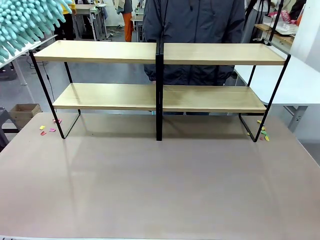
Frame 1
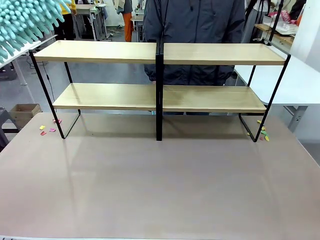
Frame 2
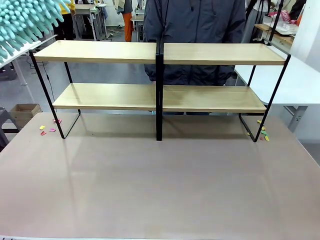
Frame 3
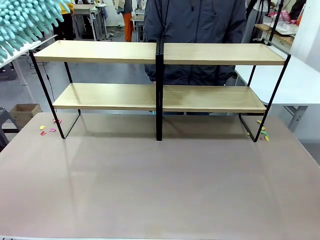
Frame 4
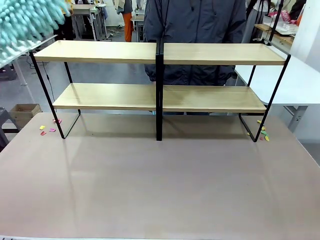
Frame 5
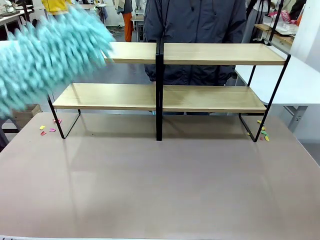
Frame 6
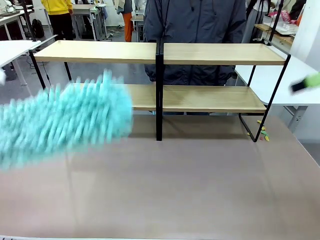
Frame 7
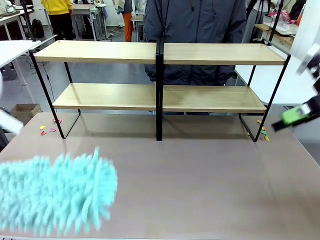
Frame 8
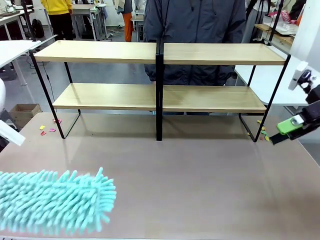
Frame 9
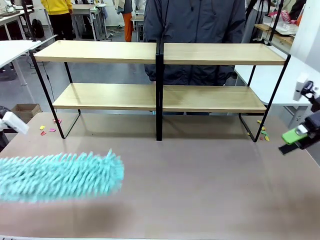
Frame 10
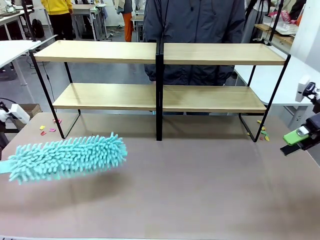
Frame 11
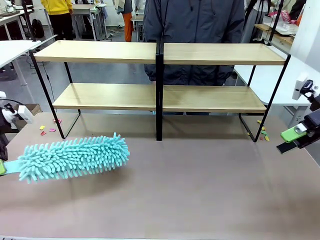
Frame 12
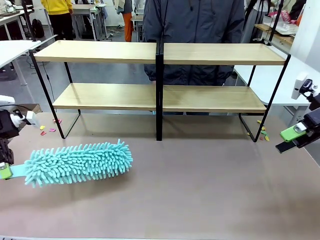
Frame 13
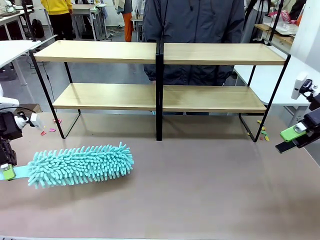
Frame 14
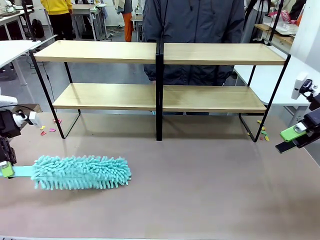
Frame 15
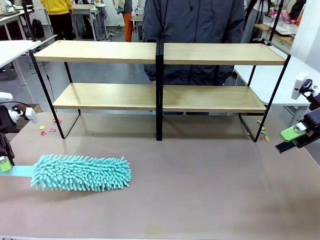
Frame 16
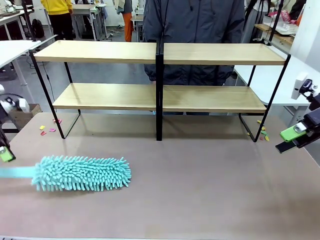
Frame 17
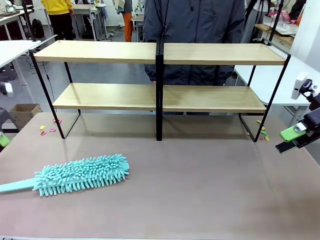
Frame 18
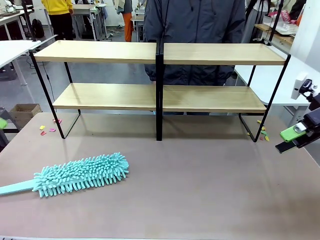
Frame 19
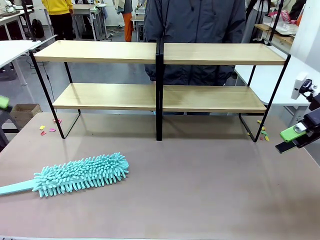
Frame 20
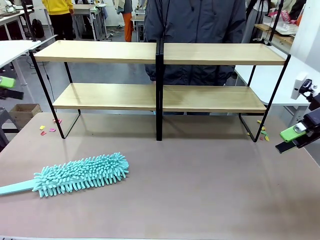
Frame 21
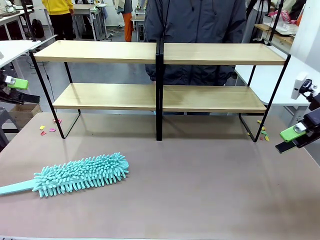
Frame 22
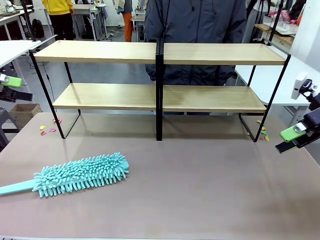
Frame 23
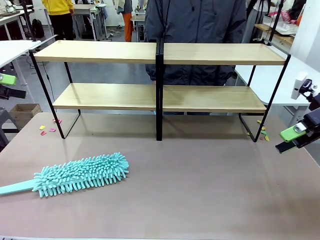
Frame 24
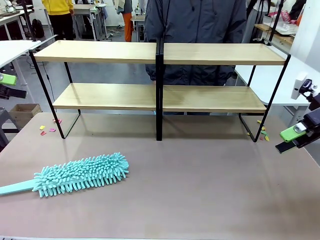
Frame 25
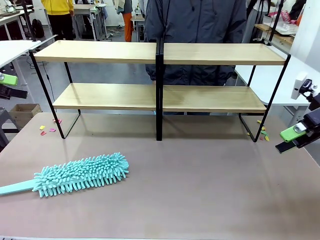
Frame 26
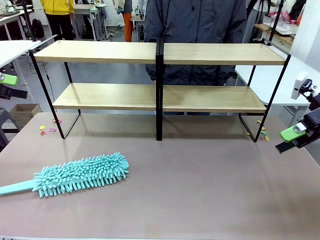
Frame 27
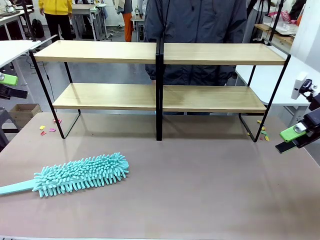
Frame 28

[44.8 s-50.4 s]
Task: Clean the shelves.
Robot: Place the Duster on the table.

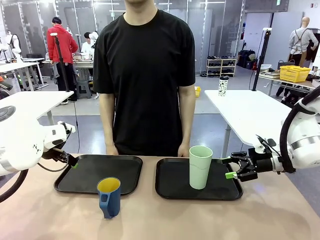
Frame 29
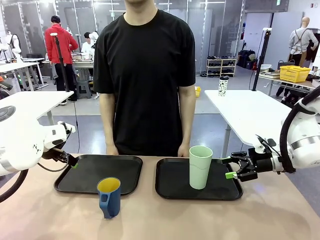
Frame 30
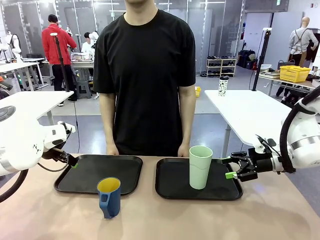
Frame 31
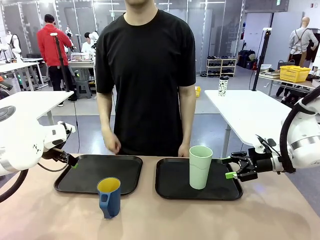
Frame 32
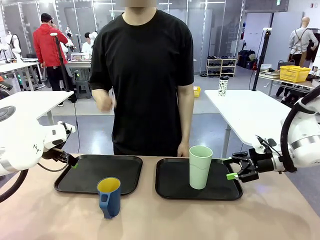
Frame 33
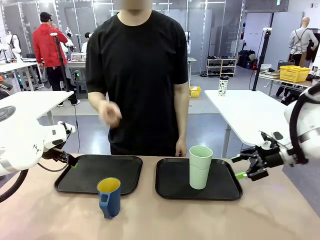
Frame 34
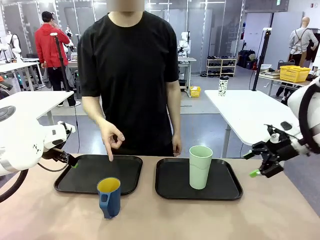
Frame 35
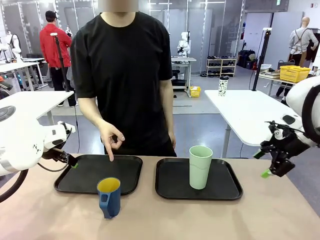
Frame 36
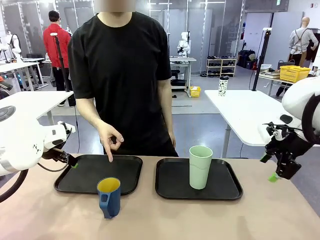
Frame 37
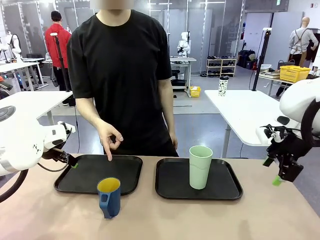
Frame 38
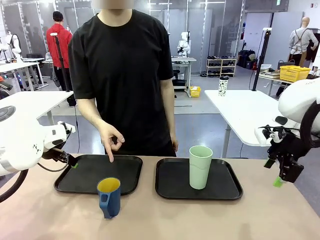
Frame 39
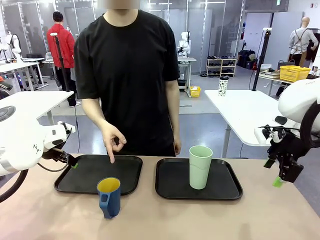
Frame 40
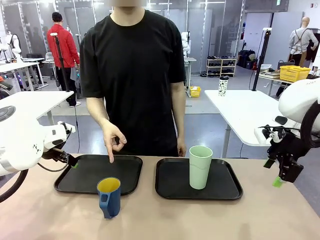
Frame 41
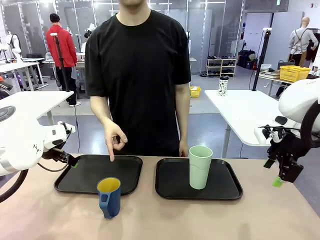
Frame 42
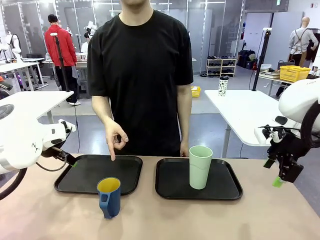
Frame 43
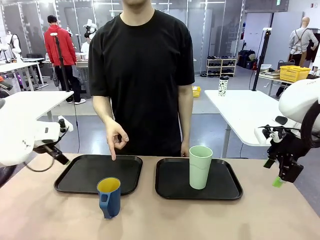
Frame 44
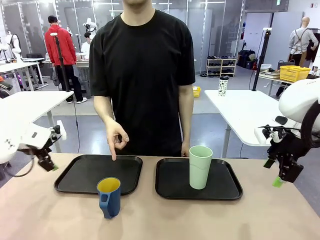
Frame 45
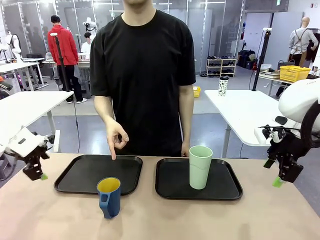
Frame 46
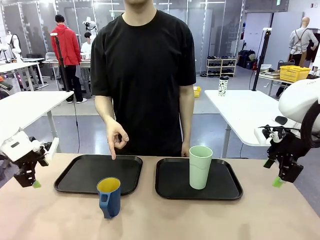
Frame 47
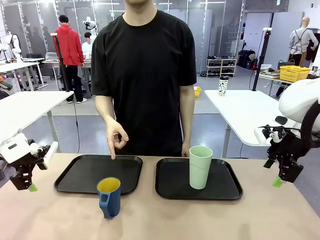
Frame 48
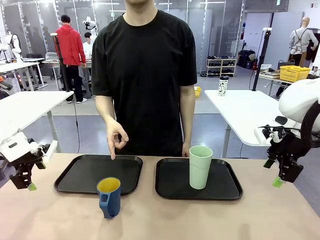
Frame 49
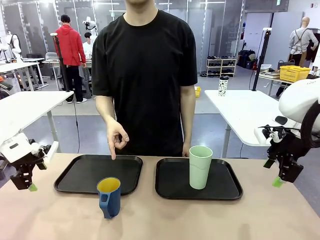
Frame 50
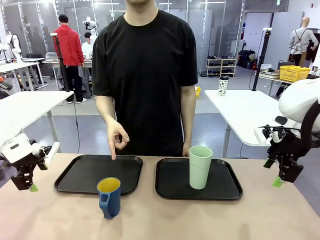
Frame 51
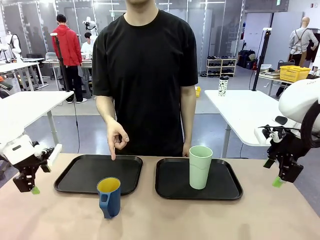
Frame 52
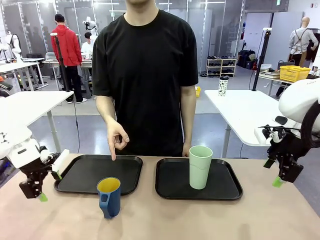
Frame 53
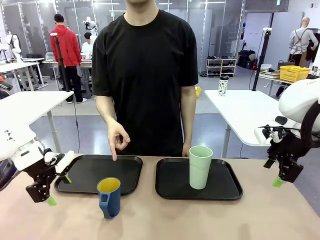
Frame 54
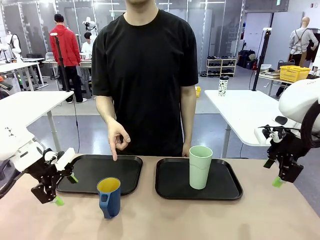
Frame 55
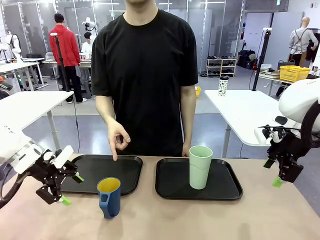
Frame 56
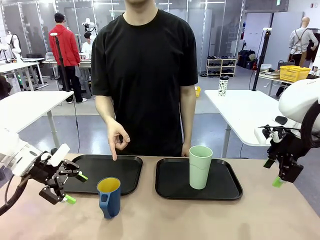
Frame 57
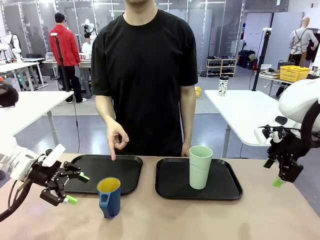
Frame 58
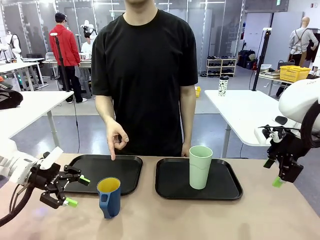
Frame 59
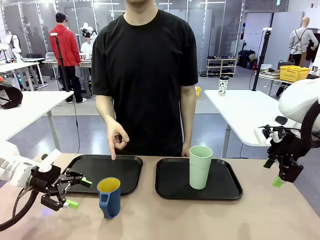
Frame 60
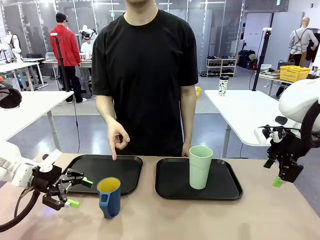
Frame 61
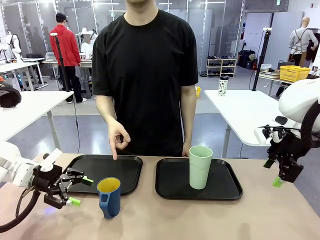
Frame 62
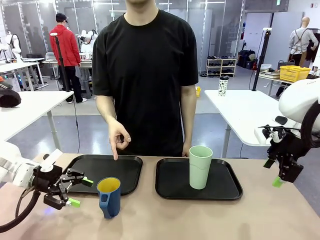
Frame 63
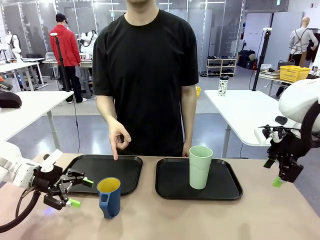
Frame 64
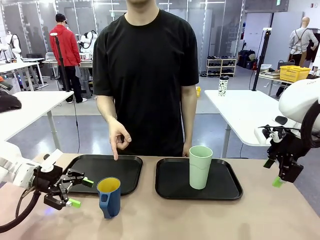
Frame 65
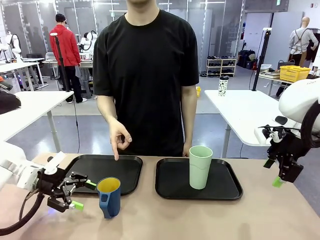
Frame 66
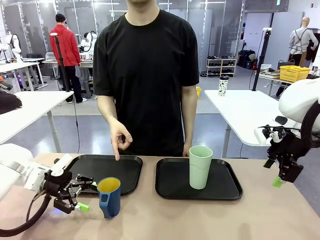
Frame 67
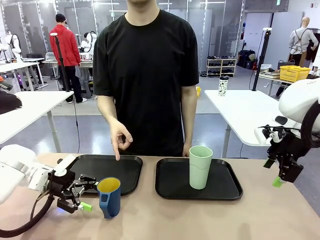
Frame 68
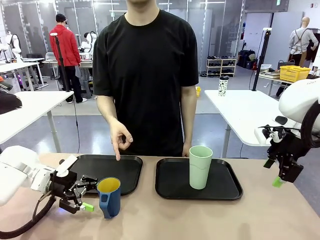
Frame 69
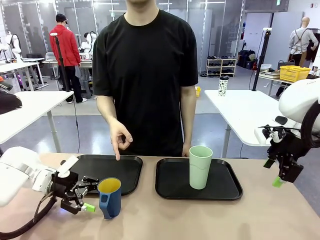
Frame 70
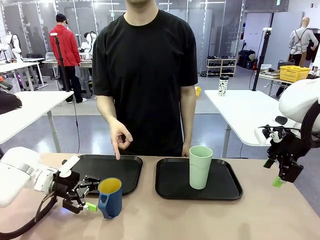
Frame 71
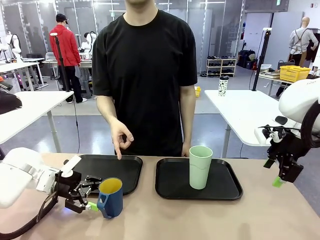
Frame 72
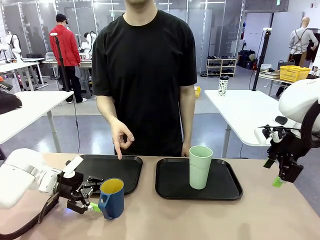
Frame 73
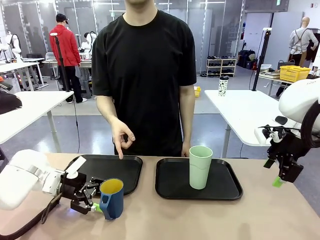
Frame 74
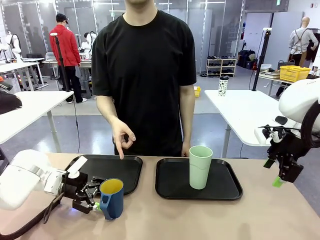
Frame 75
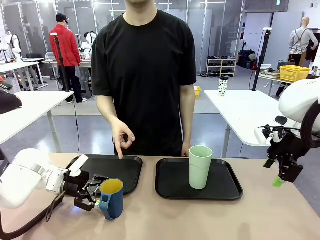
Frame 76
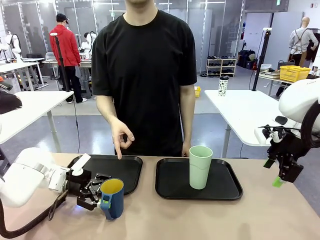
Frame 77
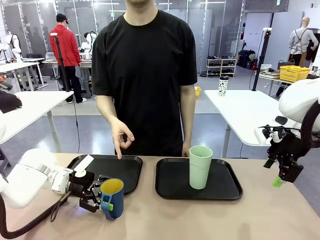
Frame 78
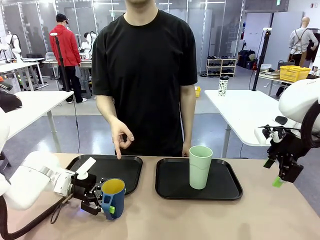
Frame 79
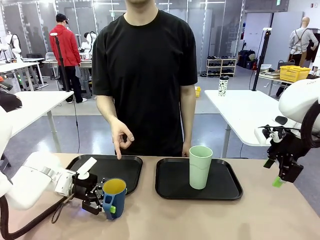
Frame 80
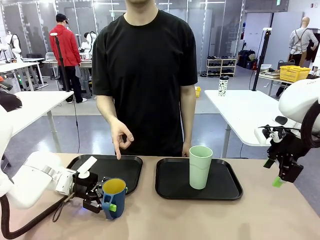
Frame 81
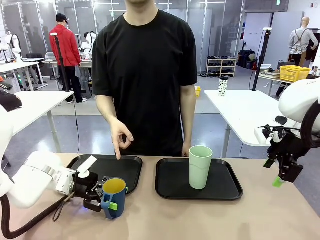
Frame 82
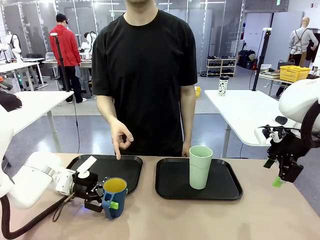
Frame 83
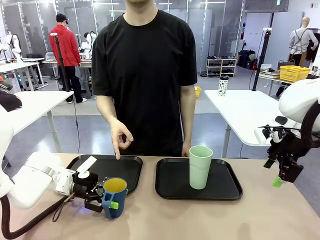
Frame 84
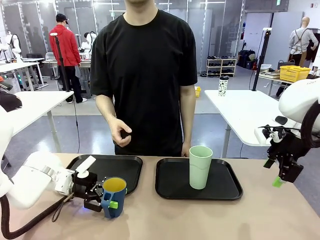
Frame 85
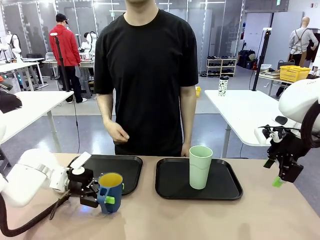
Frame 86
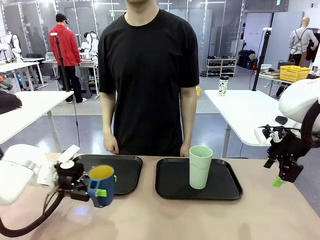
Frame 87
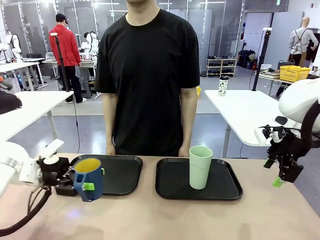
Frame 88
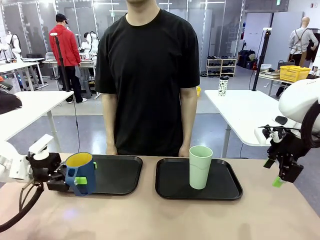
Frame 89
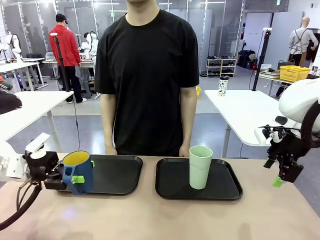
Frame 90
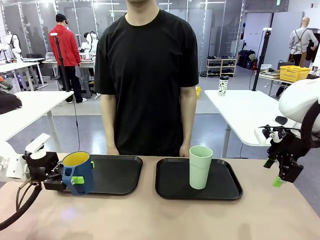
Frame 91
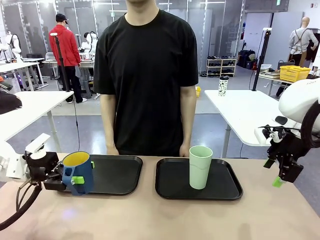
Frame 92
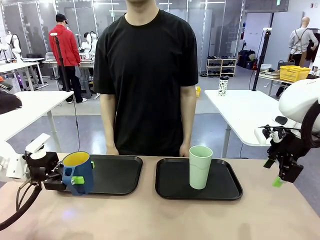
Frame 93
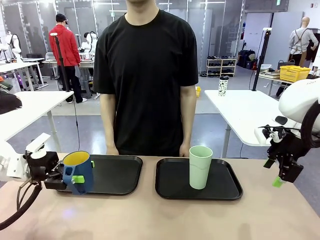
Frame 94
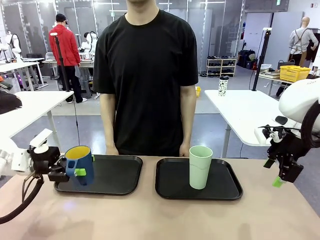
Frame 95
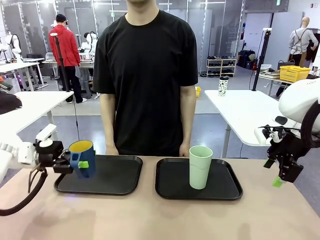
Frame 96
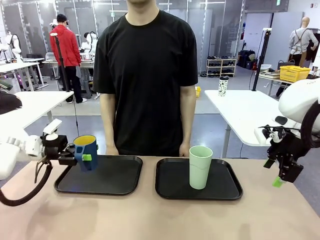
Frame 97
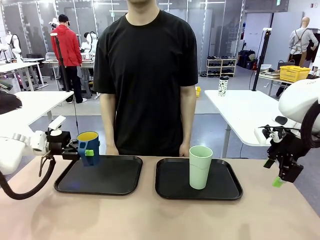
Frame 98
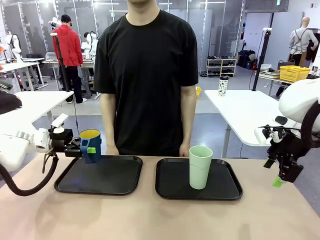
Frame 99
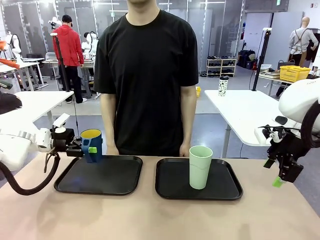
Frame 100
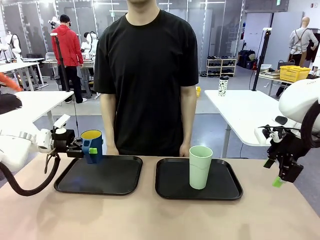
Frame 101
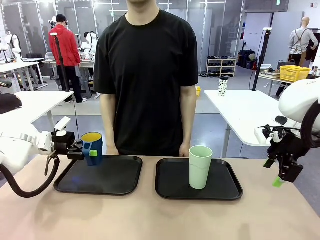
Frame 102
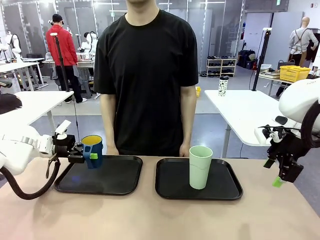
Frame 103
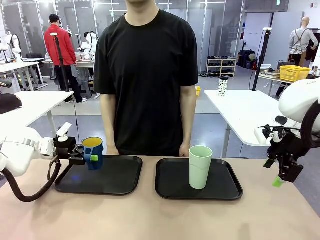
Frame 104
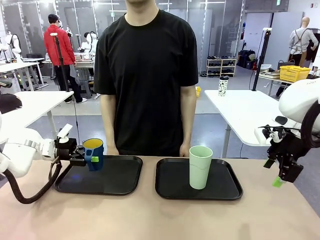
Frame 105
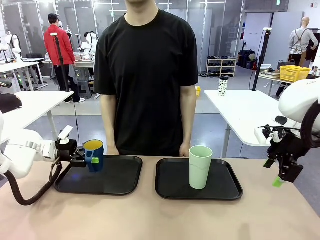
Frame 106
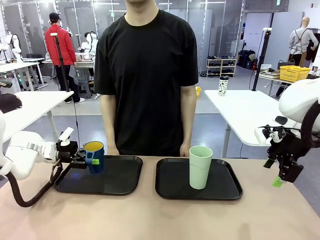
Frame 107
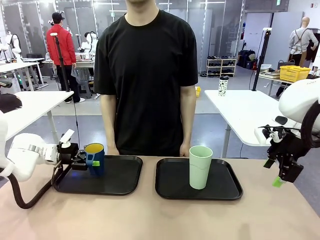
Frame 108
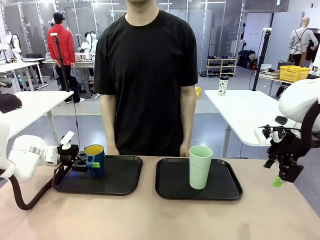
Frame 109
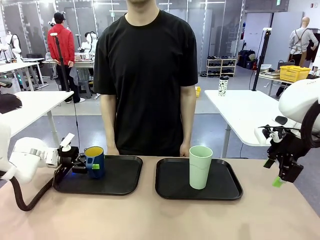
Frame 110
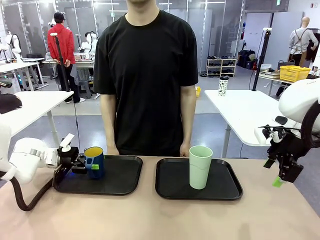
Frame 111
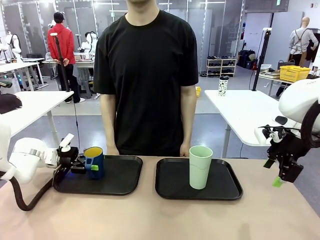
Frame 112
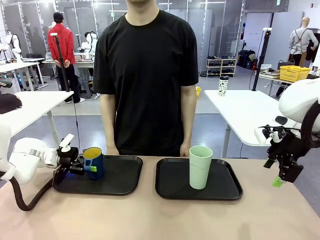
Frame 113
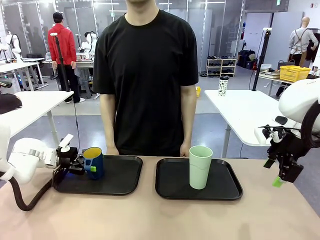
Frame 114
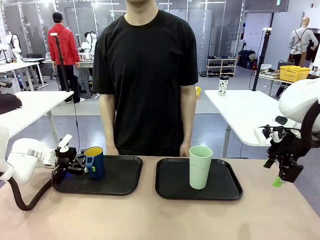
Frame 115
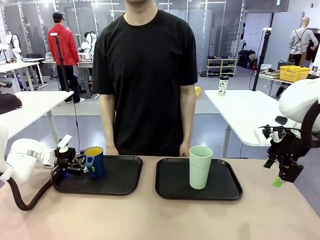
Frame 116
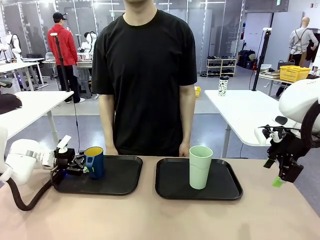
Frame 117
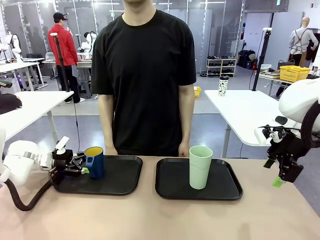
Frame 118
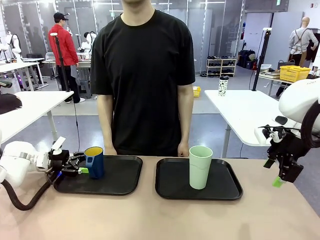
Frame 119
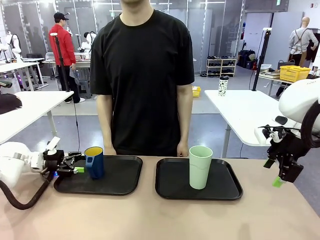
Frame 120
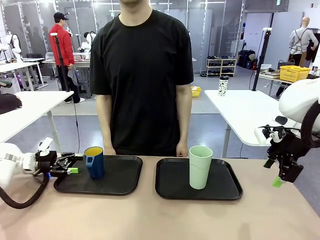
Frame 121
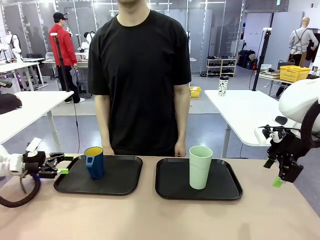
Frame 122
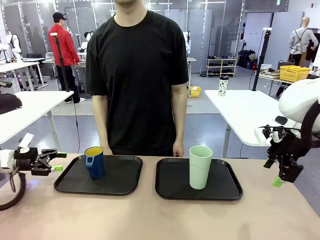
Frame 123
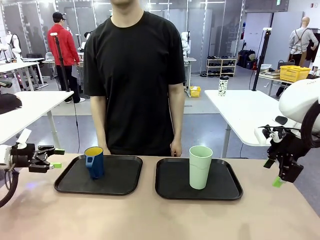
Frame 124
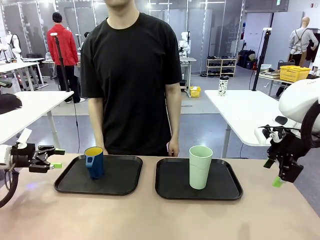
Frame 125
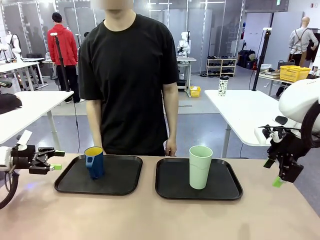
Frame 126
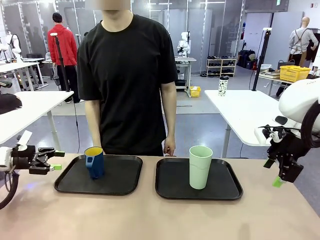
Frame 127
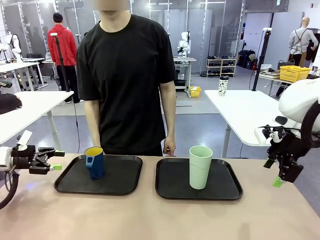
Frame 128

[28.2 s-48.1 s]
Task: Sort and store the cups by type.
Robot: Pick up the Handle plastic cup and place it into the empty Flat Tray.
Person: Points to the cup with a handle.
